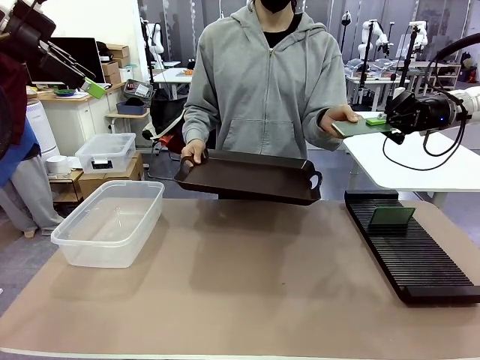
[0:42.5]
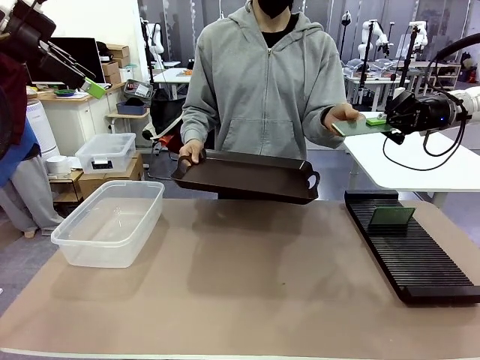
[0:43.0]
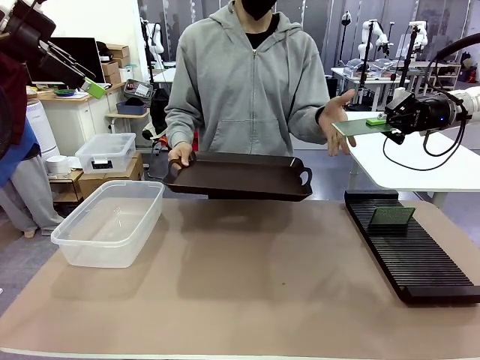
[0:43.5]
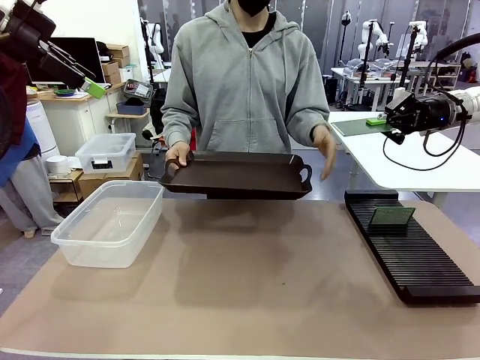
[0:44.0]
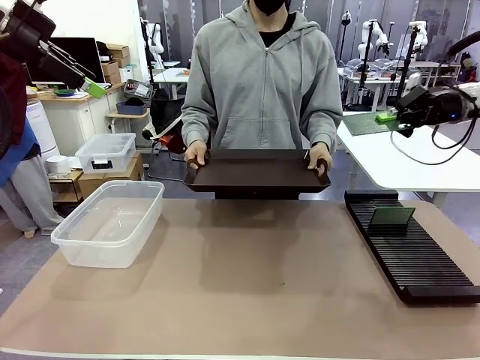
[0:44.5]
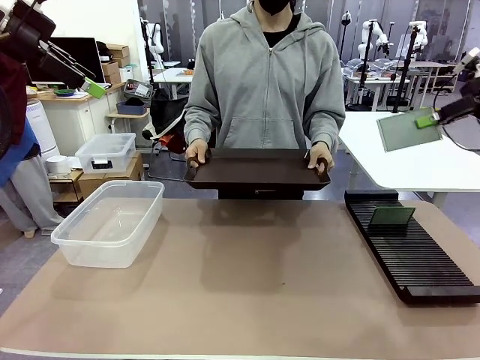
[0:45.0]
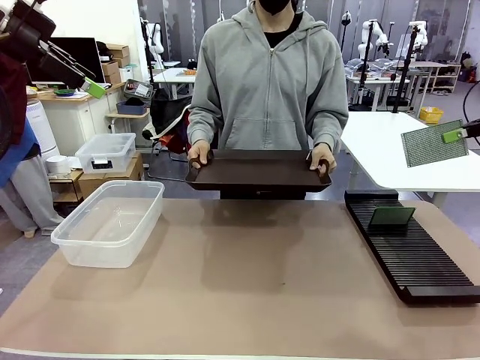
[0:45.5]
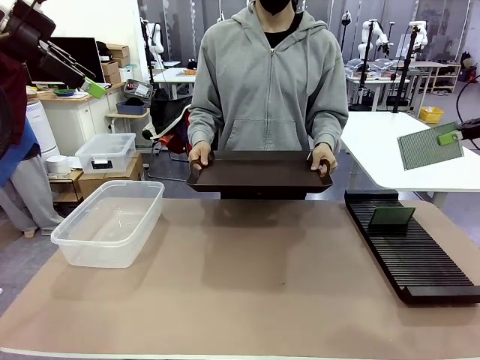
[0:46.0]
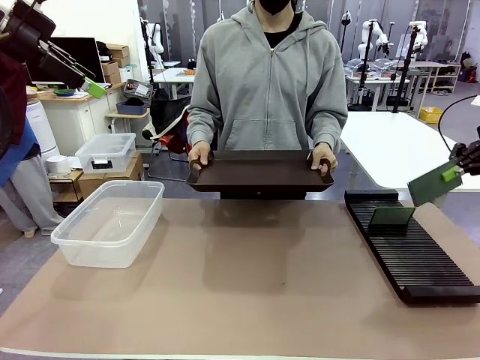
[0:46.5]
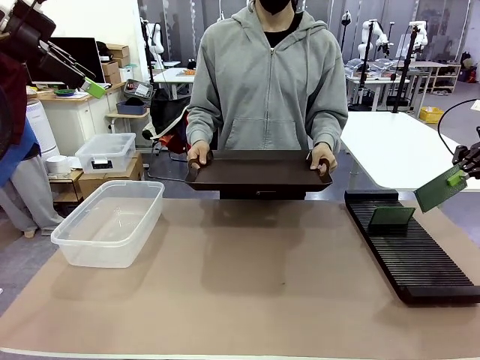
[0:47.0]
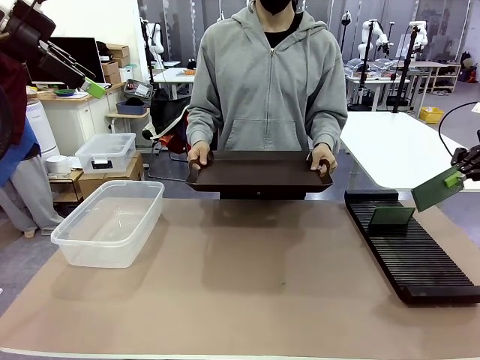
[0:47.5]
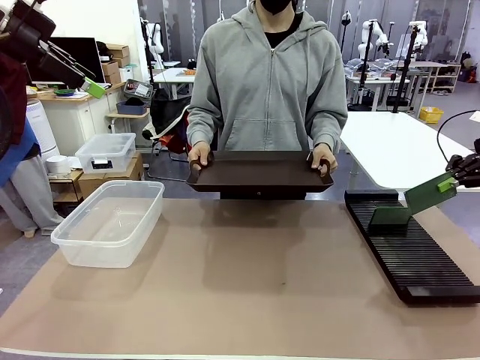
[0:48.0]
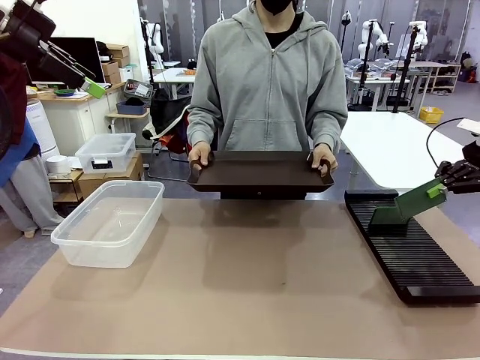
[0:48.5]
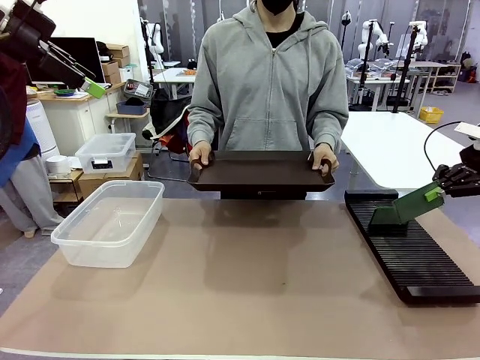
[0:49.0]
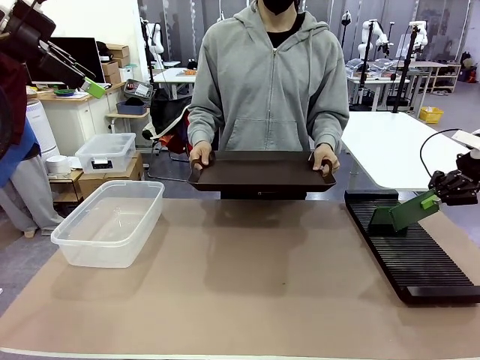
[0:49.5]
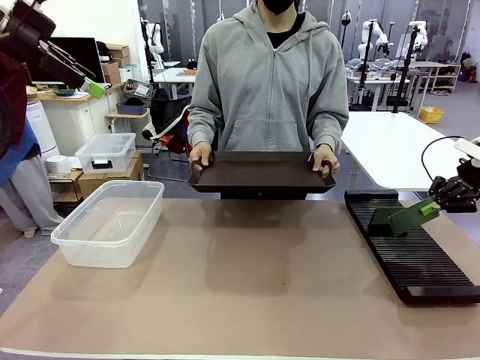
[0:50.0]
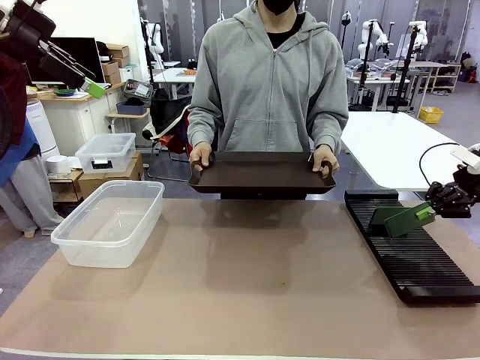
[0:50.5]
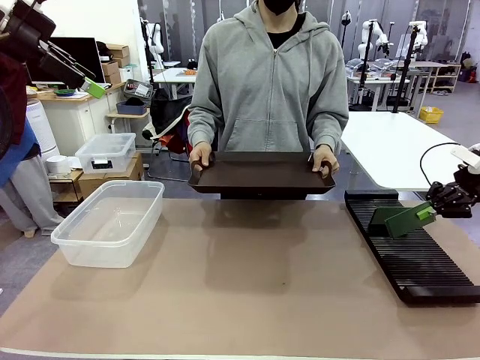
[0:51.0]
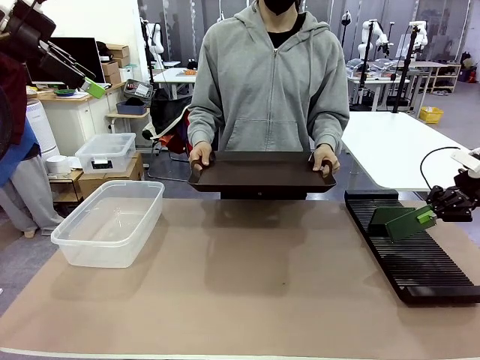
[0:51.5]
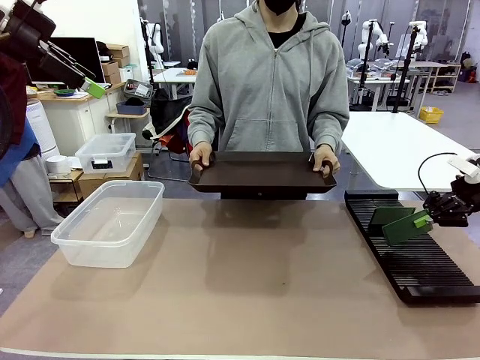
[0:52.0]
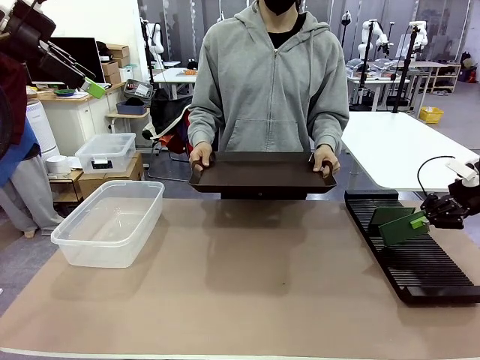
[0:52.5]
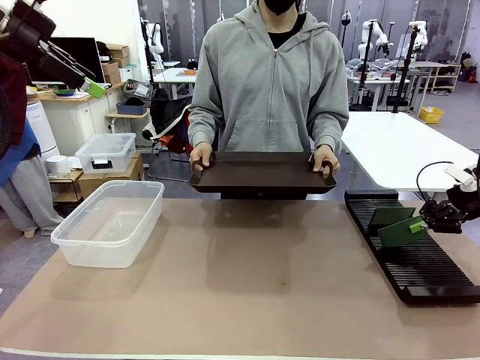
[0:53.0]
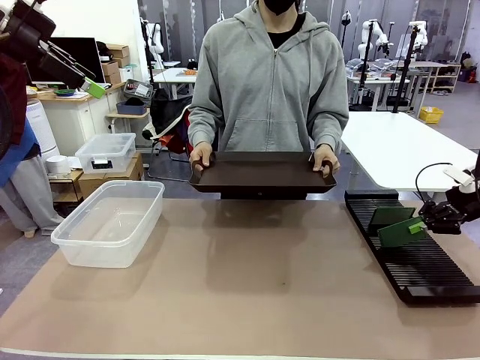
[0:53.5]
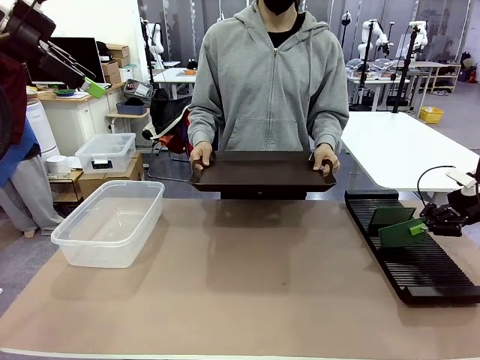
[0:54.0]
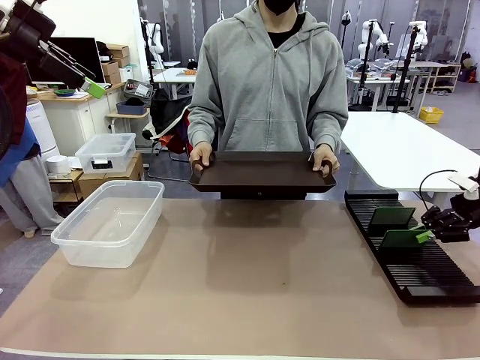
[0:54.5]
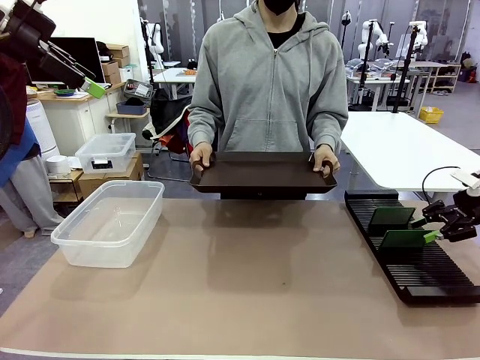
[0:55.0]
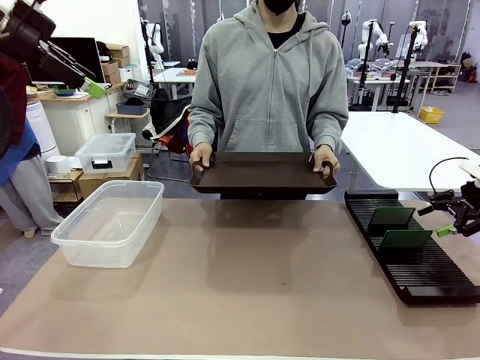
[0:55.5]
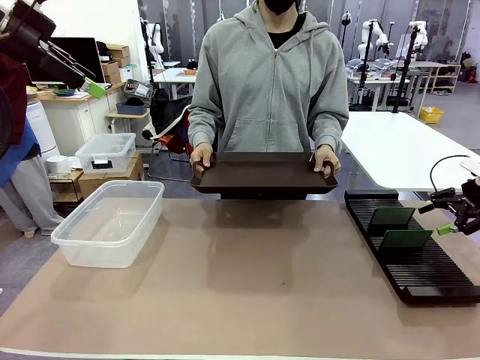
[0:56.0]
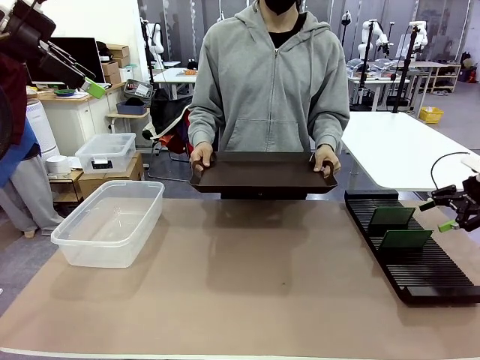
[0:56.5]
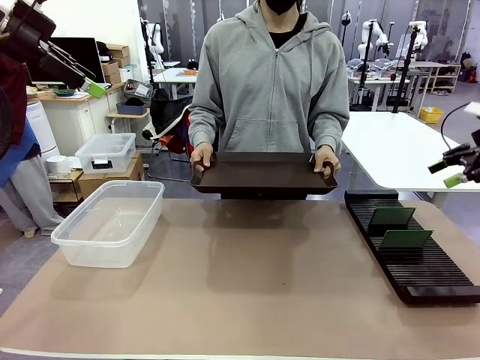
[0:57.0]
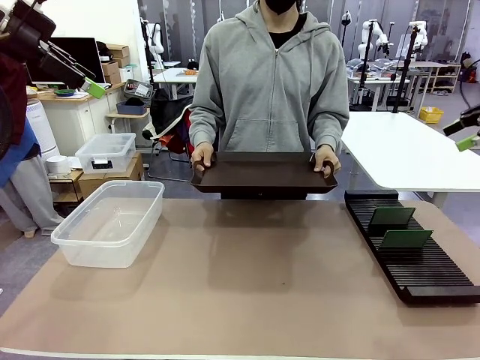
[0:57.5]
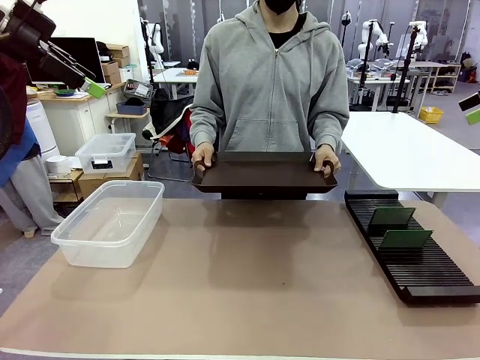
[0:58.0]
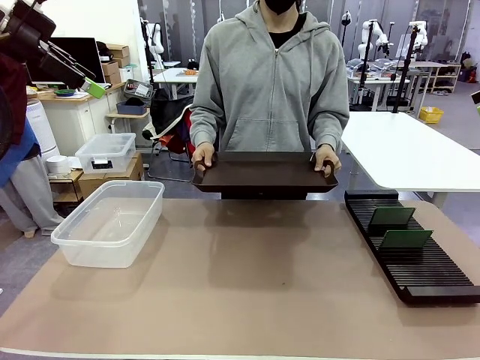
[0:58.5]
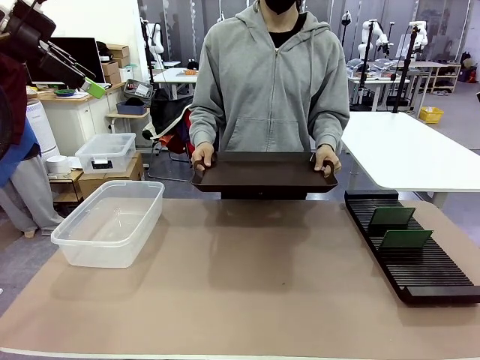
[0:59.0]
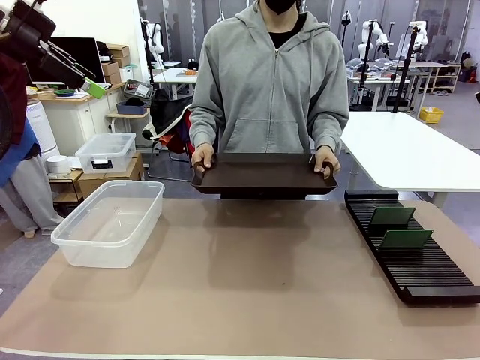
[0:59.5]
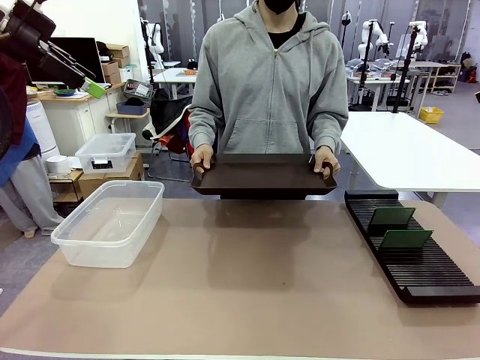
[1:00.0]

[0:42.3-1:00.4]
Task: Sort PCBs into racks and boxes based on the side picked up.
Robot: If the short side of the Blank PCB is picked up, insert it into the PCB Rack ; if the long side is picked up, place it in the Organizing box.
Person: Release the PCB being held.

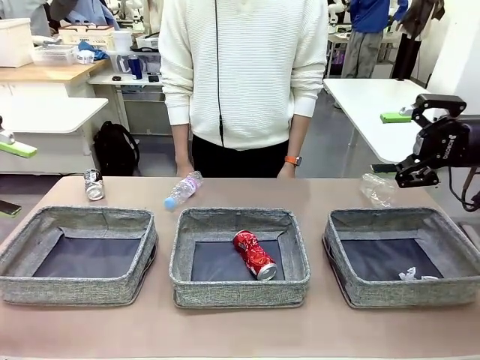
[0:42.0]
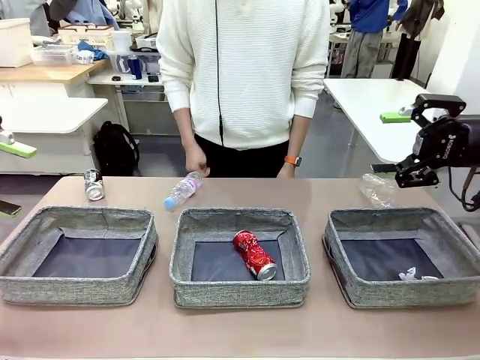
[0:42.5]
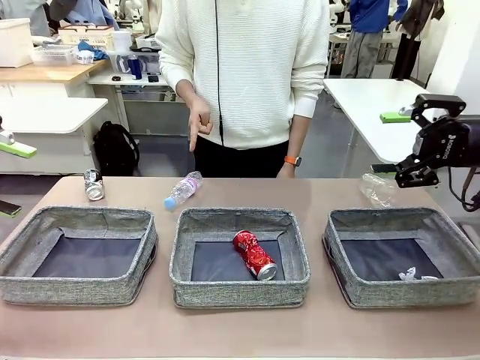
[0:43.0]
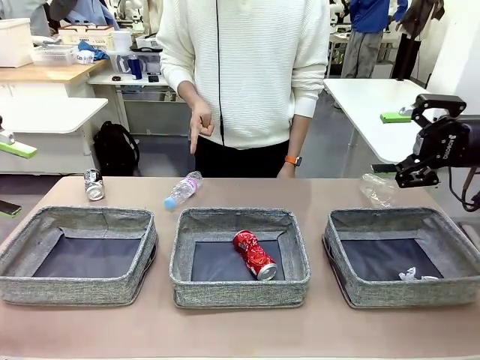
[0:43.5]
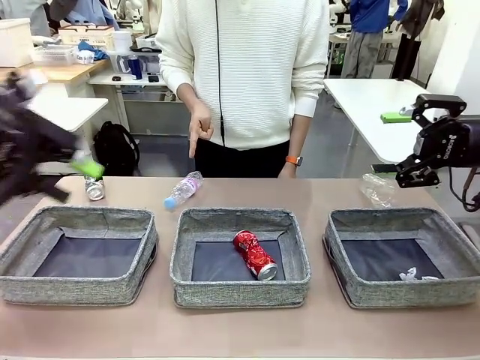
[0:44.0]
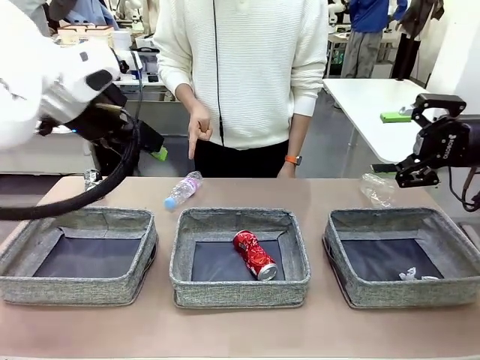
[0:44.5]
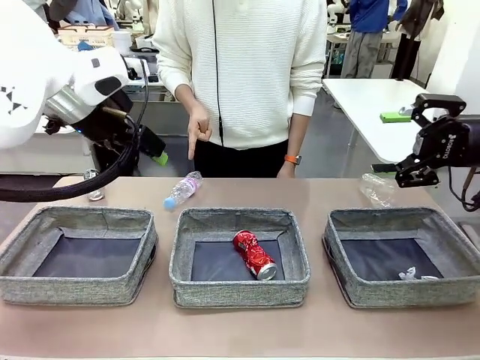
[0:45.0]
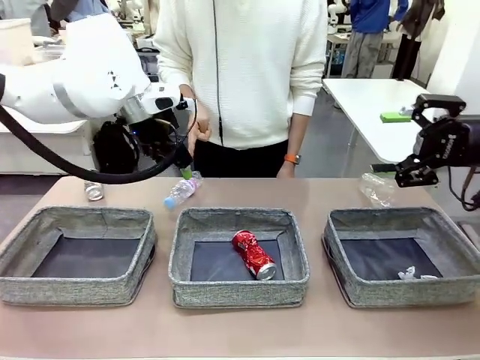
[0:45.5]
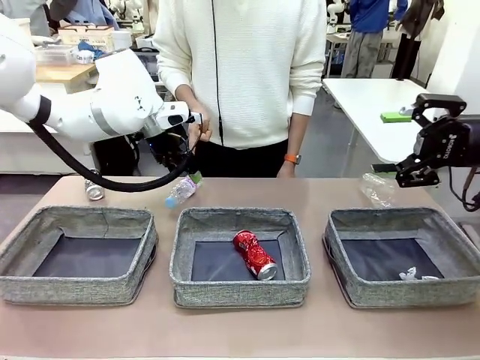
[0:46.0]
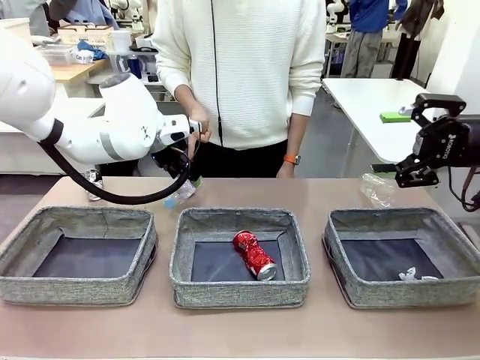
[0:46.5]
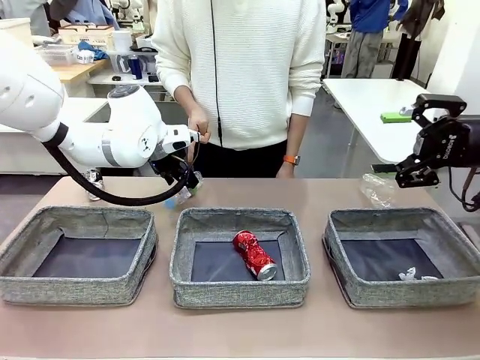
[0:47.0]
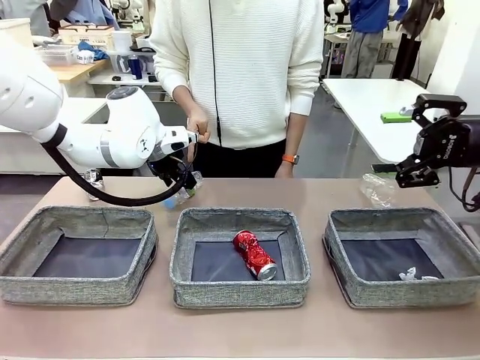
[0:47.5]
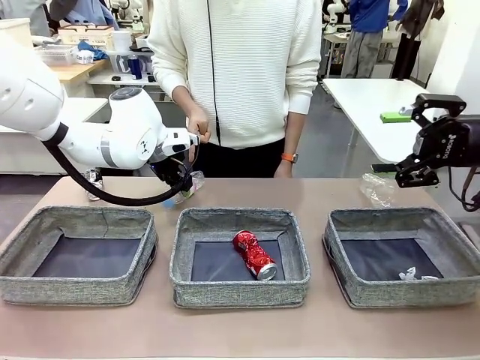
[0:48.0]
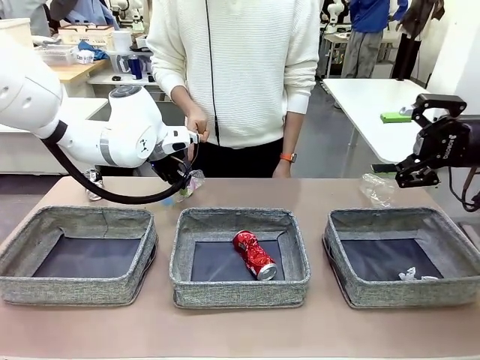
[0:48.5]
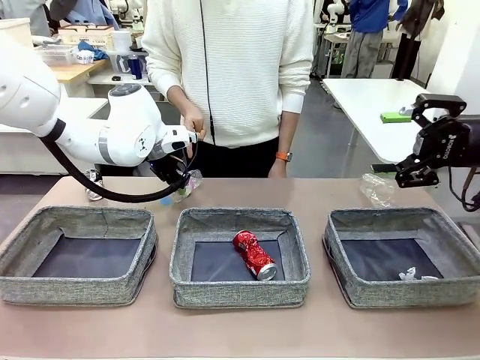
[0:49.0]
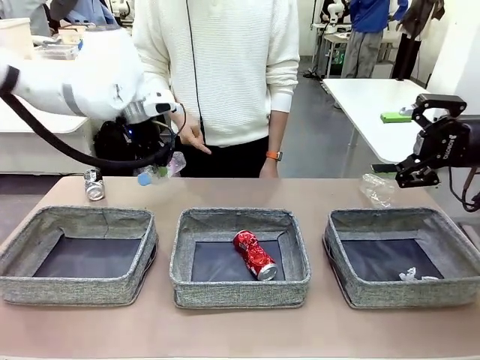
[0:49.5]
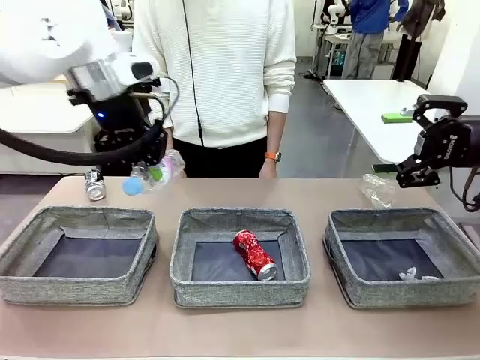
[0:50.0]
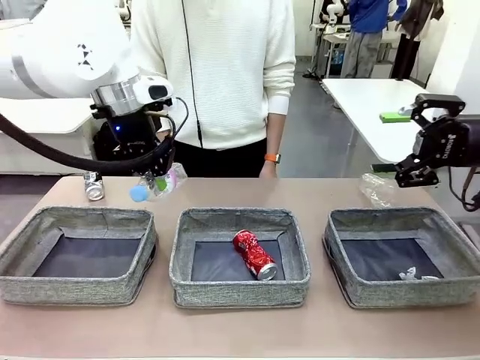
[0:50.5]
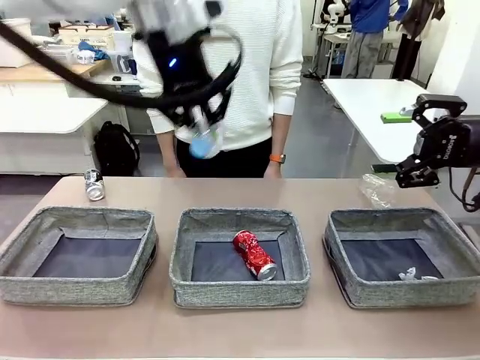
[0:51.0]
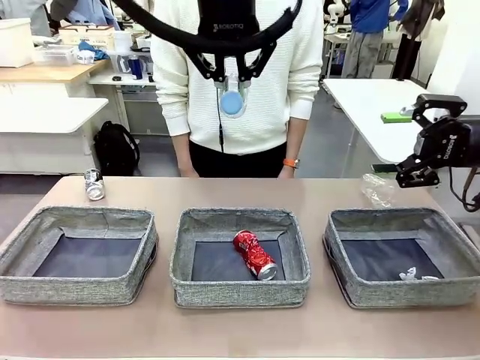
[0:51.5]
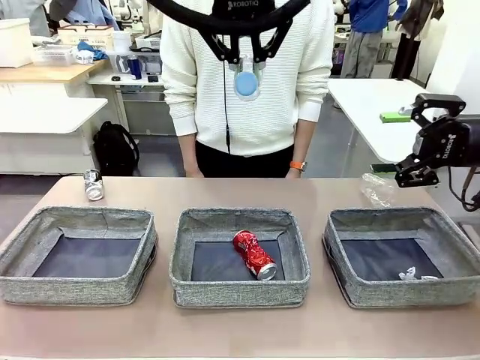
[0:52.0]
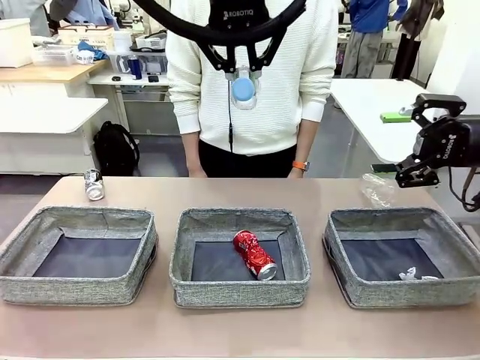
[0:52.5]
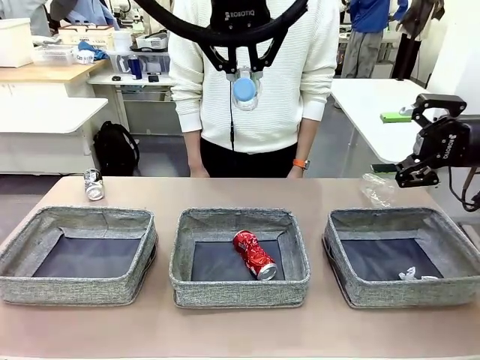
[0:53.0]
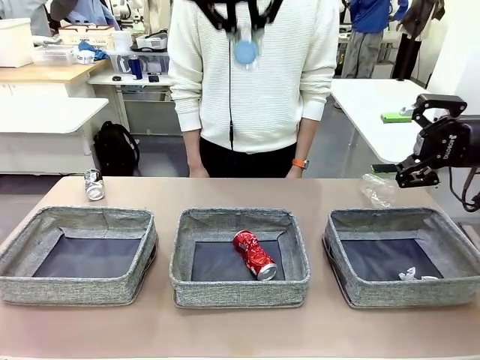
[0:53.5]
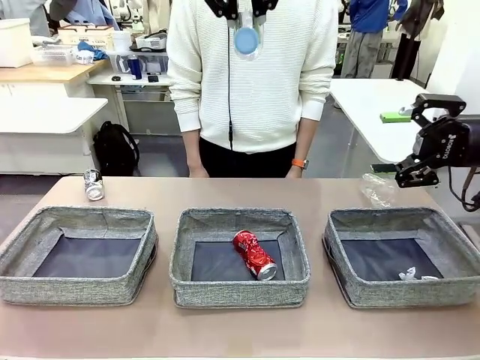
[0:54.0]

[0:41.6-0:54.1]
Task: Sort the waste into the appropriate baskets.
Robot: Pick up the waste item pointed out by the person.
Person: Points to one piece of trash on the table.
